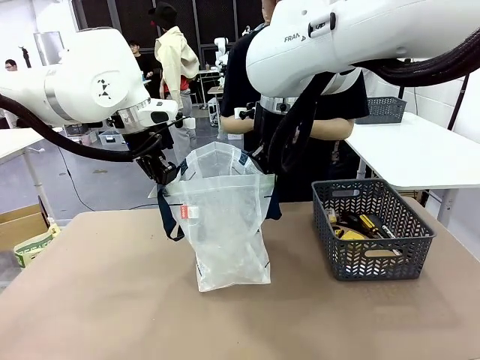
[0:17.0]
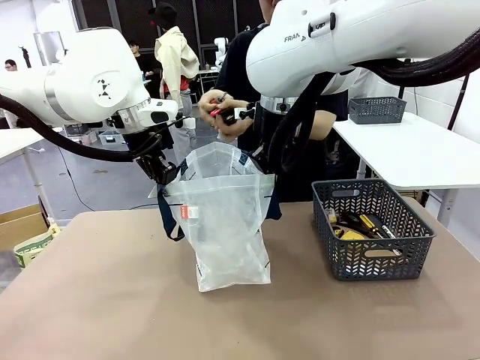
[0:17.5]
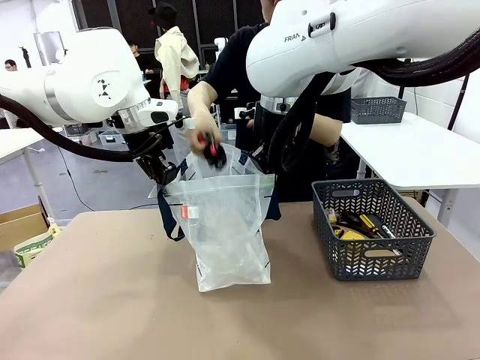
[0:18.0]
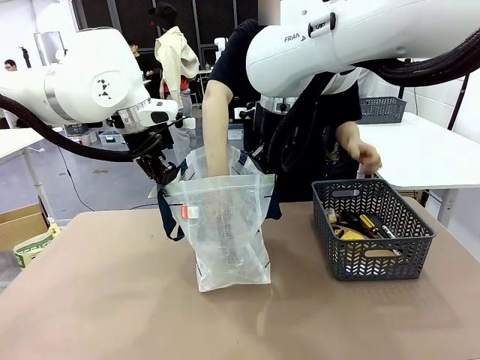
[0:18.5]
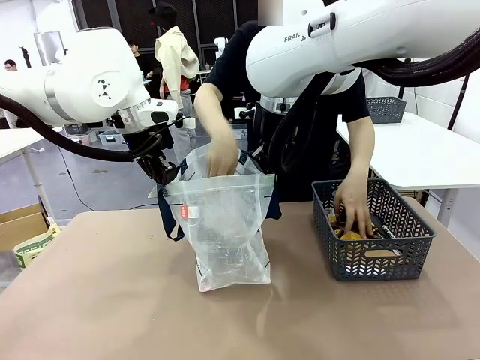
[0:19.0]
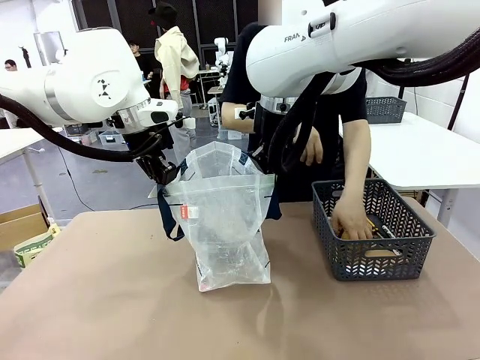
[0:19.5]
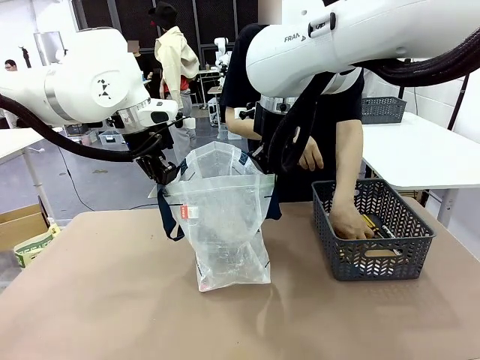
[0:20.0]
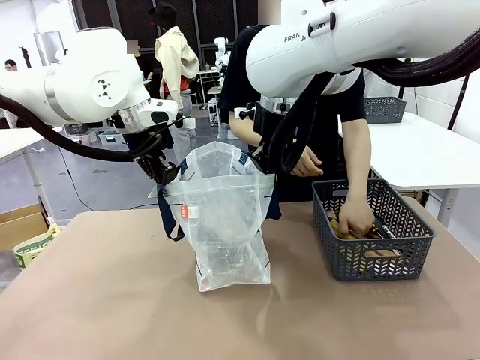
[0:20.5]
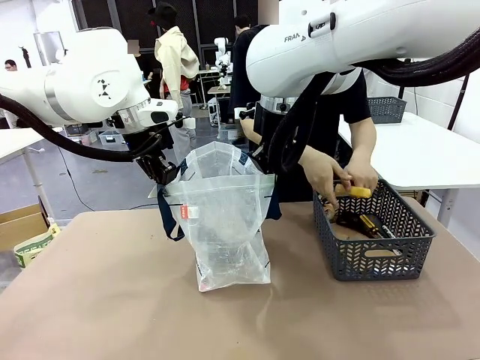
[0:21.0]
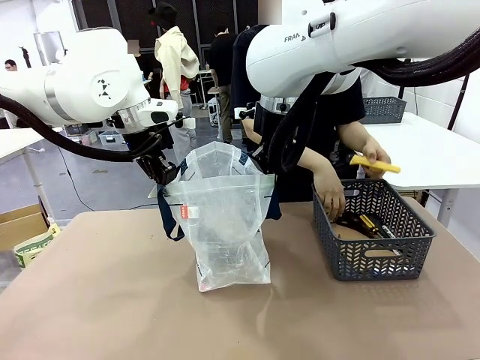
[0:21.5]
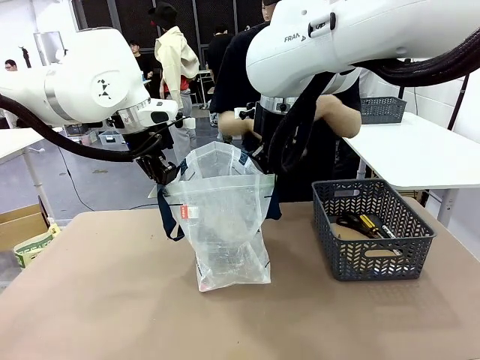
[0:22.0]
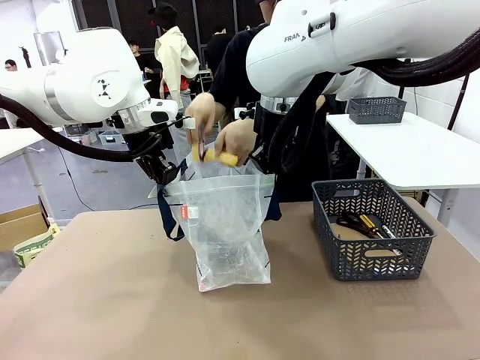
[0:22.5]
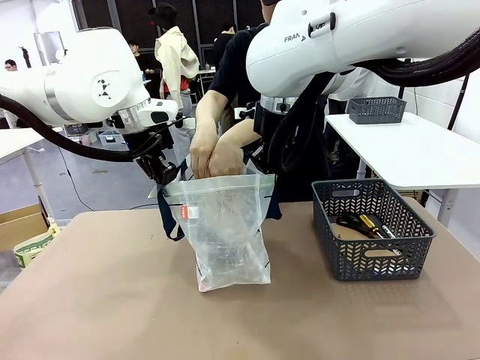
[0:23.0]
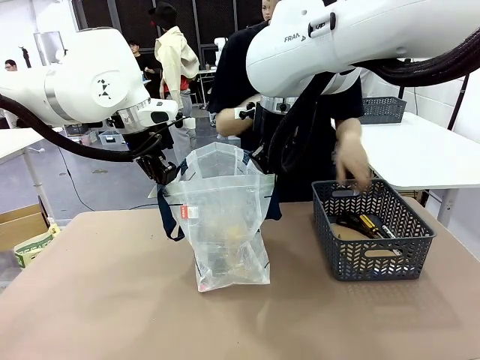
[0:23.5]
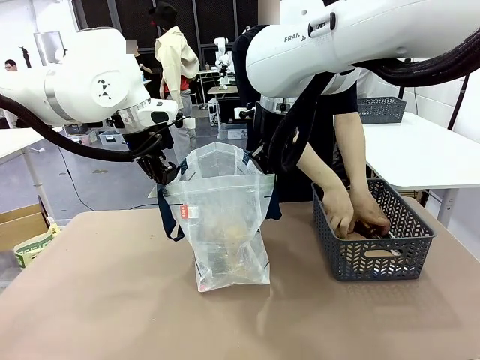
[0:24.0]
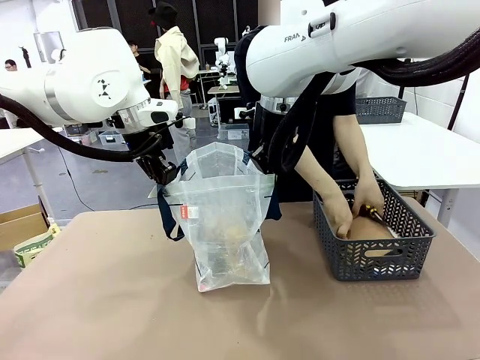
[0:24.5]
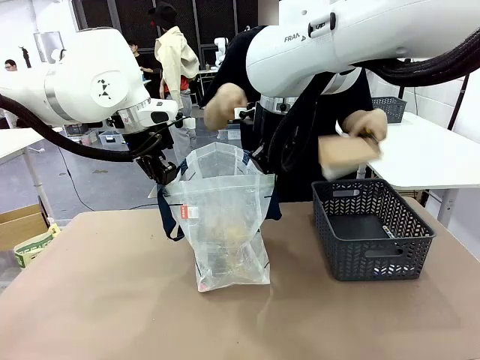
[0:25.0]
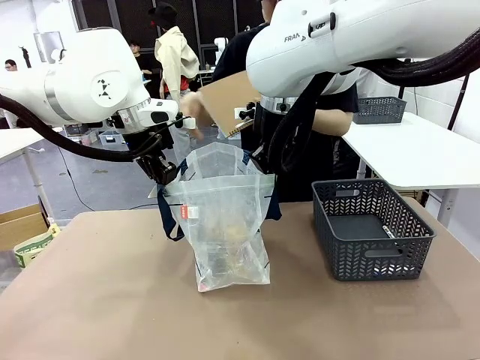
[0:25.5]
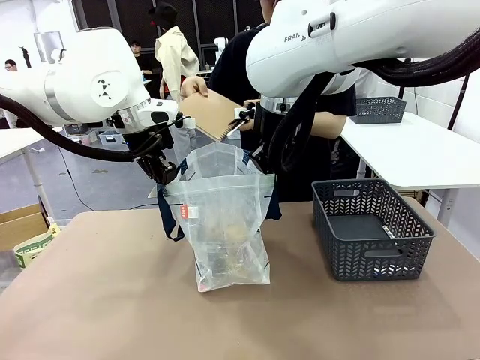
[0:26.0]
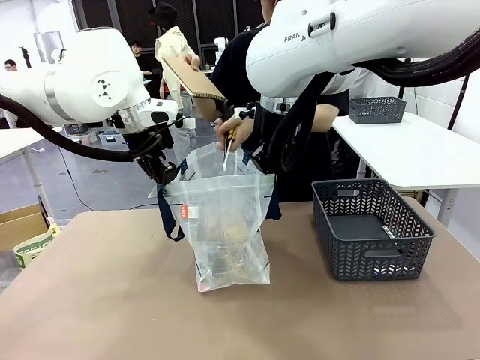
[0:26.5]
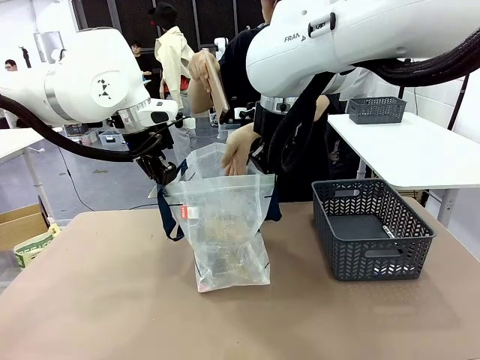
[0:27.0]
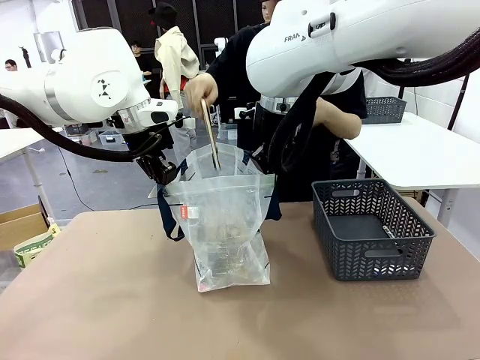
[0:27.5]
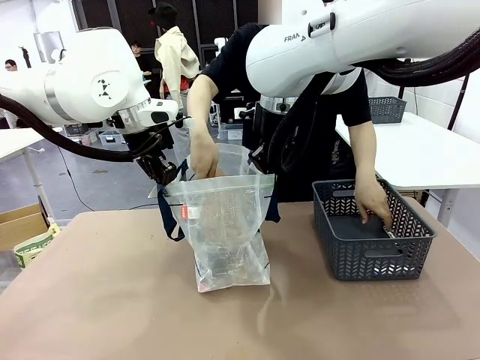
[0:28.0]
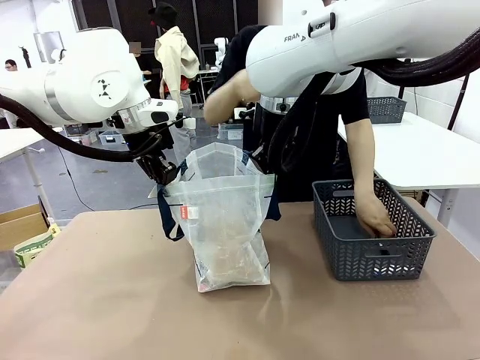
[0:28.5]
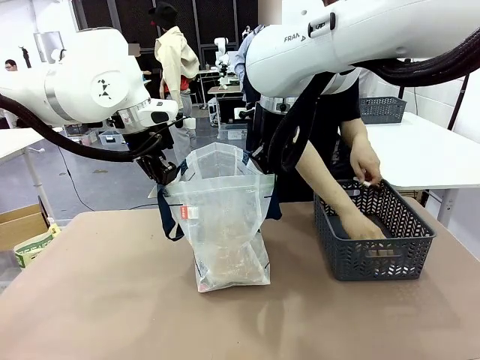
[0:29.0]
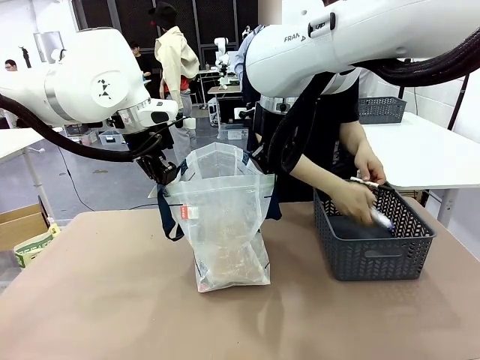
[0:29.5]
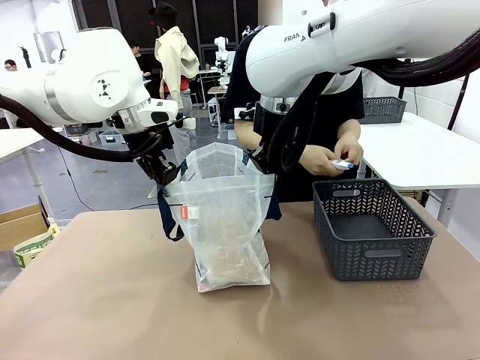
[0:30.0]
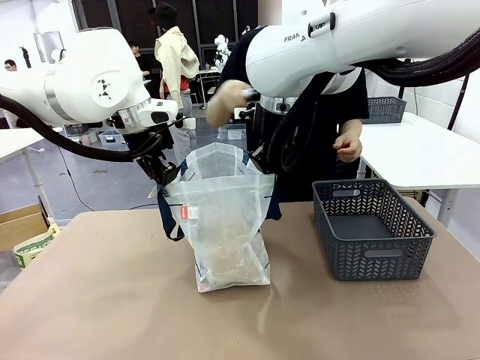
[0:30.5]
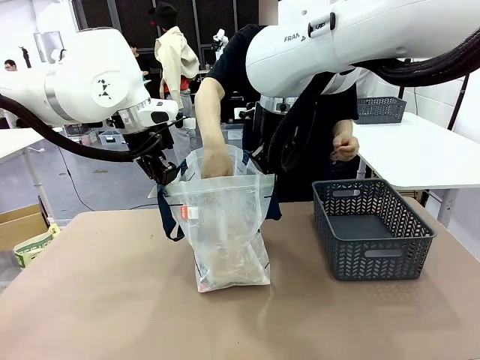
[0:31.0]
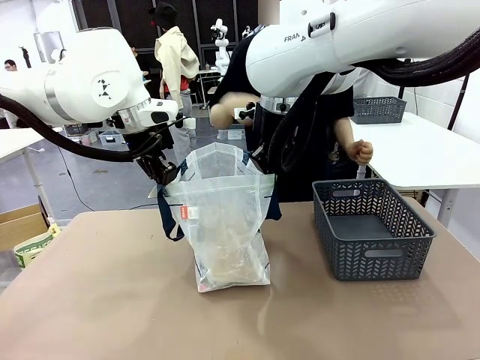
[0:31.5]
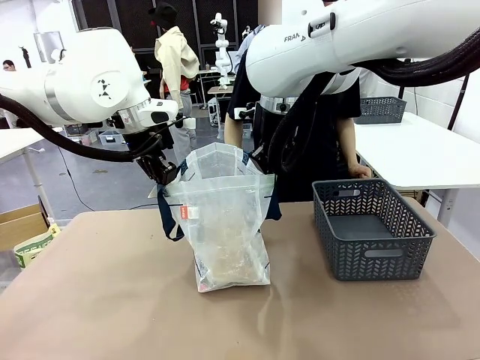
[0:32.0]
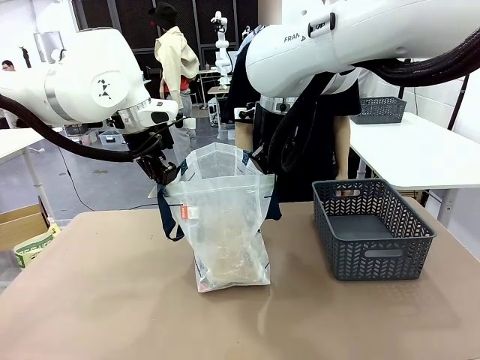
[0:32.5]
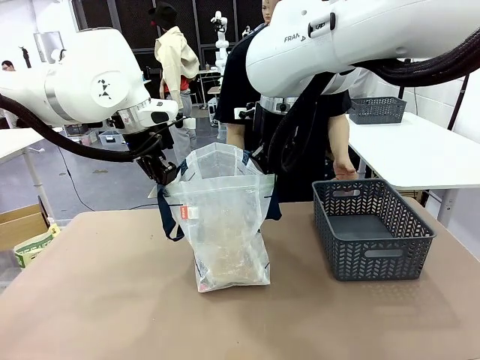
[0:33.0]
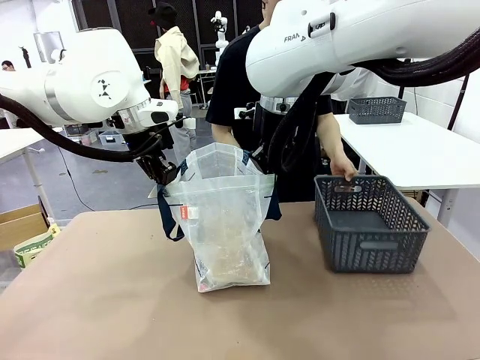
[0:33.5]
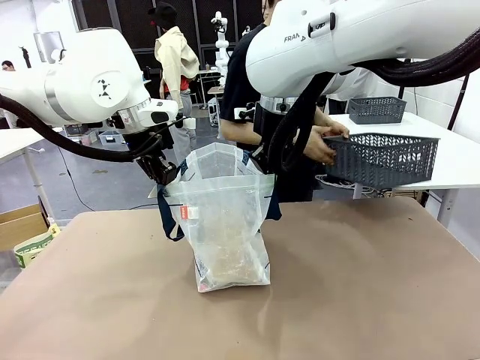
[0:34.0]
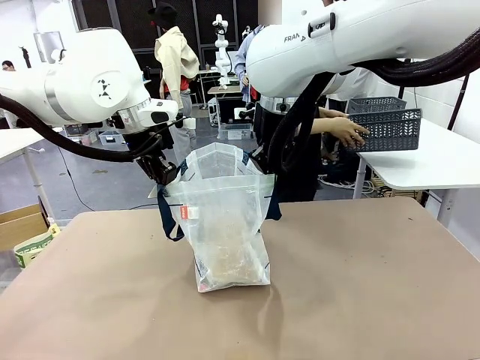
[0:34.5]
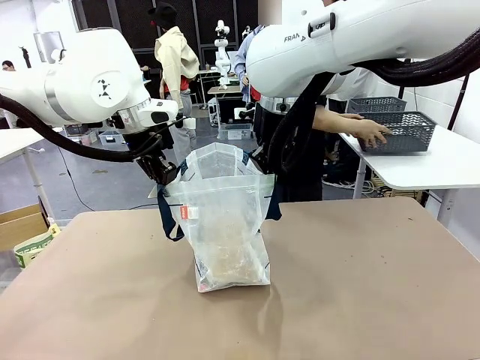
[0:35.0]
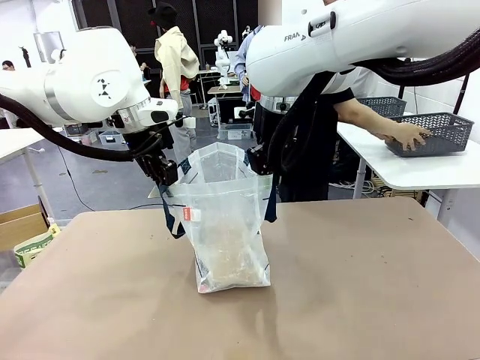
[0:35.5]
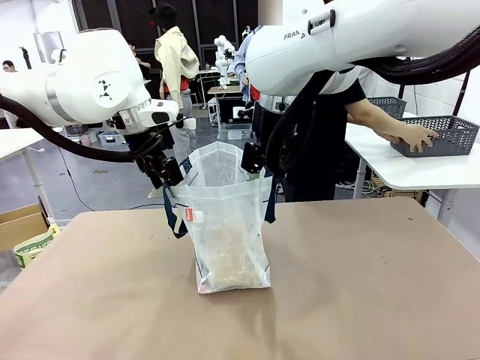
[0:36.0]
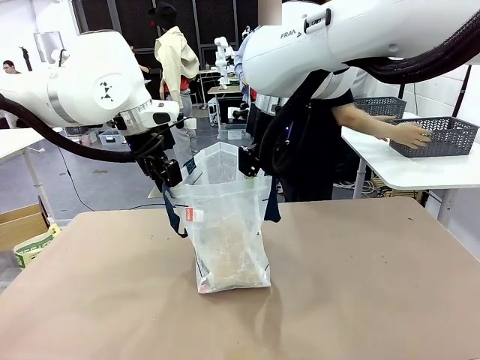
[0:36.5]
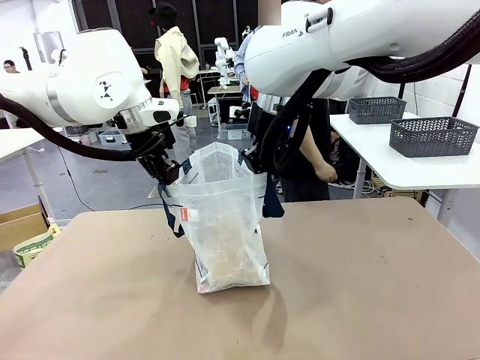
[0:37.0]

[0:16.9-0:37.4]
Task: Transfer purchased items from the store into the shopping bag.
Robot: Move the Reusable shopping bag to the right side of the table.
Person: Pick up the basket on the right, place it on the left side of the robot table, and move the items in the basket to the shopping bag. Pick up the basket with the items out and place it on the right side of the human table.

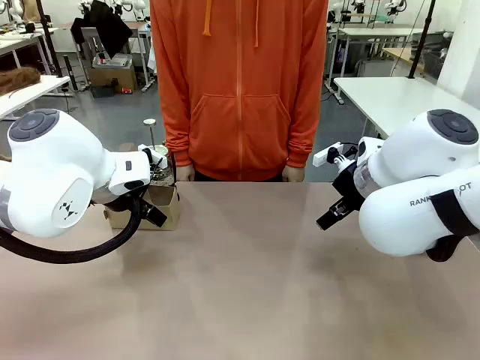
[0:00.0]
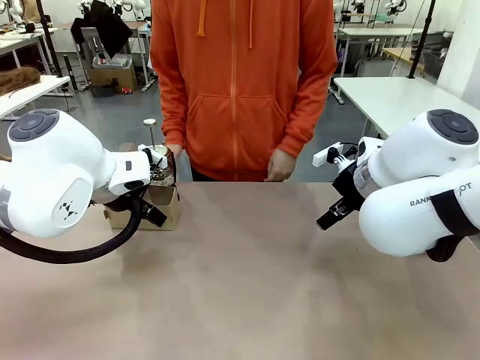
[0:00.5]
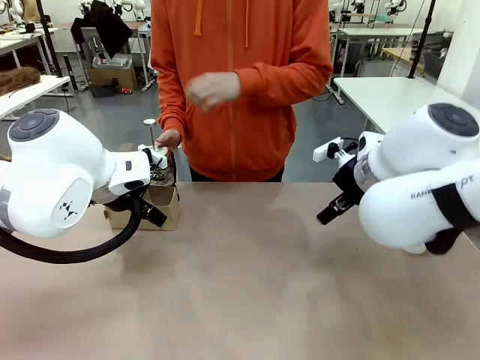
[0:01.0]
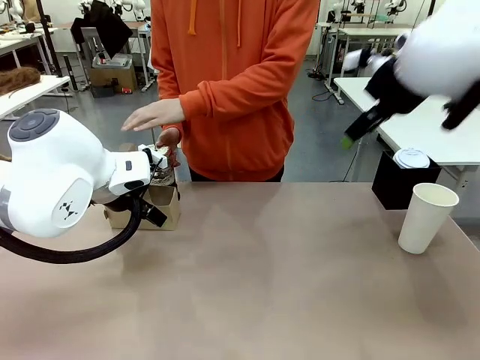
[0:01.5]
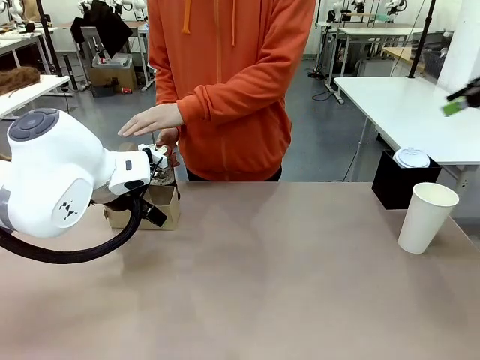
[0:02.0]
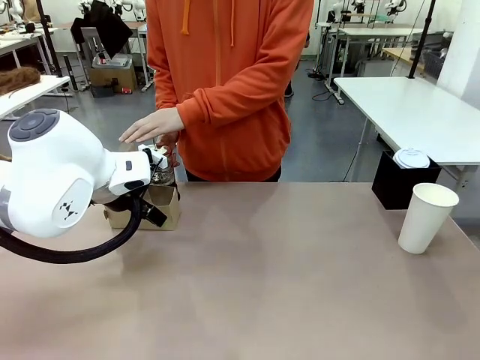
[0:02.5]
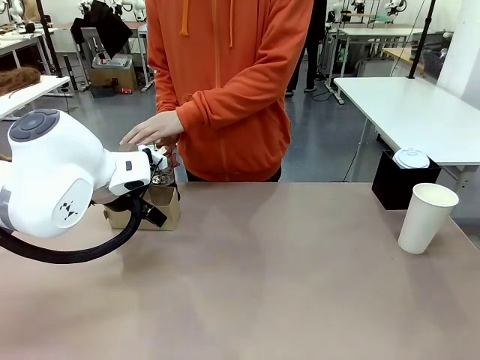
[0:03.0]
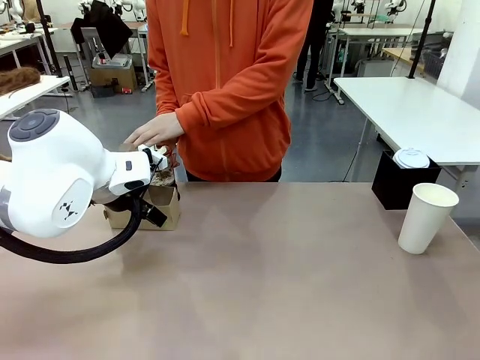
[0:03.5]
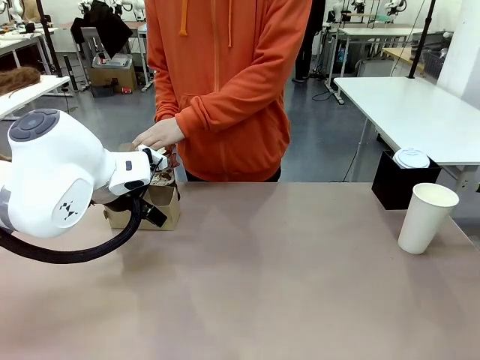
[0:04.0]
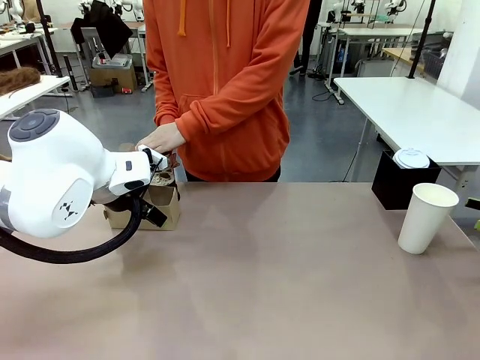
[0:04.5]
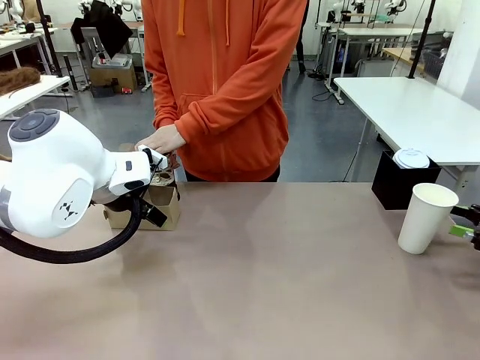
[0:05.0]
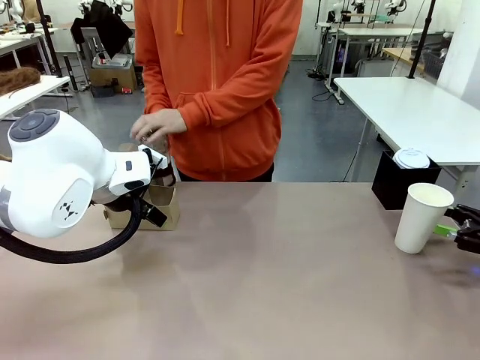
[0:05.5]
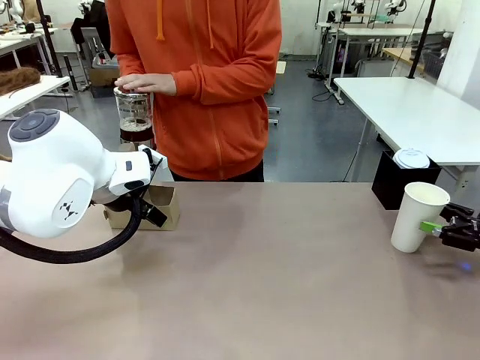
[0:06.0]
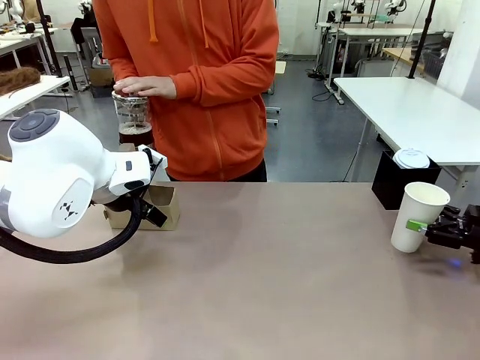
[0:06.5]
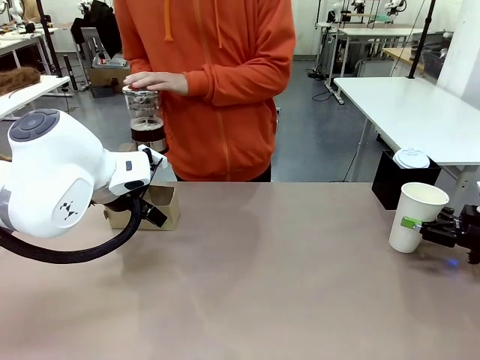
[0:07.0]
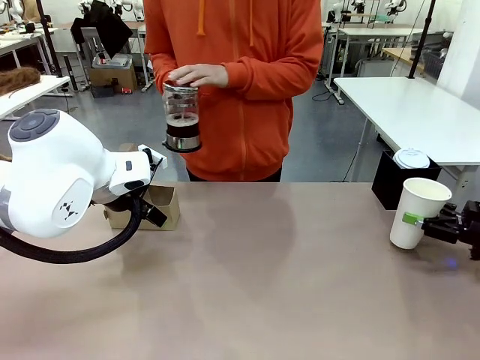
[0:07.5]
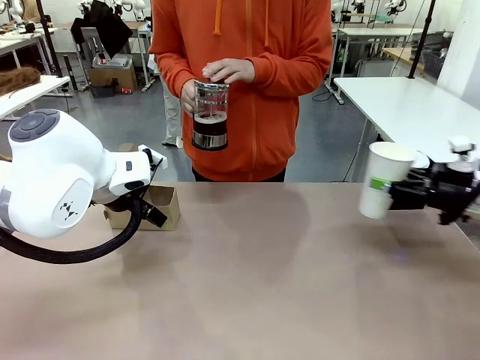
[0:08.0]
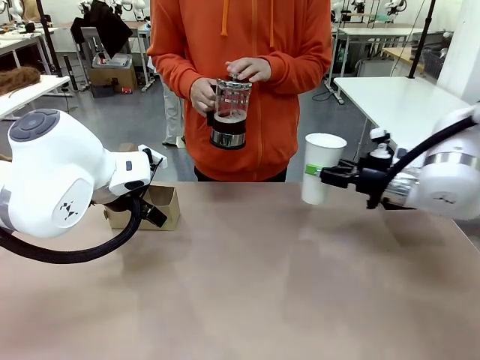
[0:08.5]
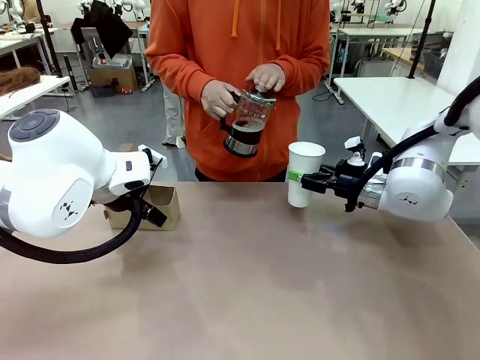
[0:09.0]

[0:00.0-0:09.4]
Task: Pour a drink into a cup and package it in a carrier.
Robot: Pick up the 600 ml Paper Cup and place it in the middle top area of the table.
Person: Press and pick up the Filter Brewing.
